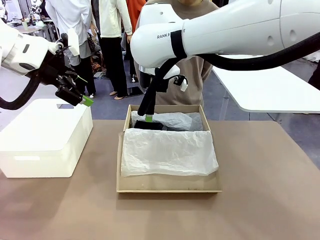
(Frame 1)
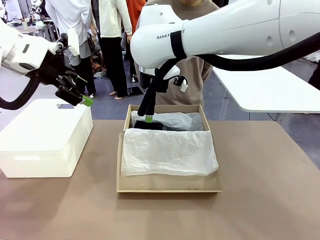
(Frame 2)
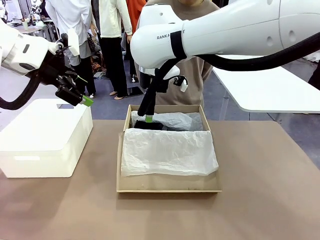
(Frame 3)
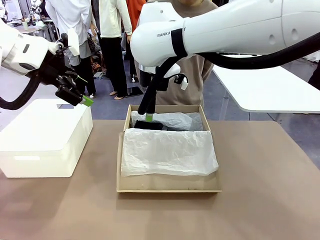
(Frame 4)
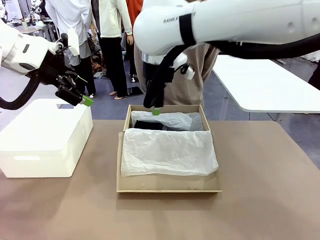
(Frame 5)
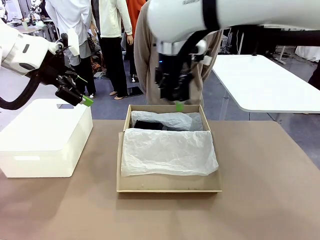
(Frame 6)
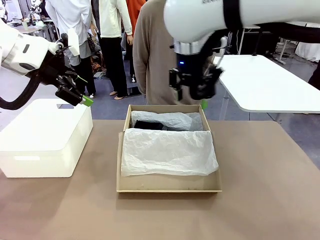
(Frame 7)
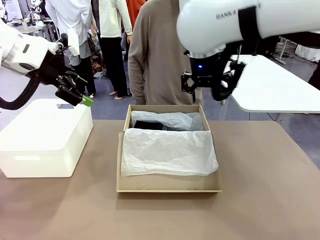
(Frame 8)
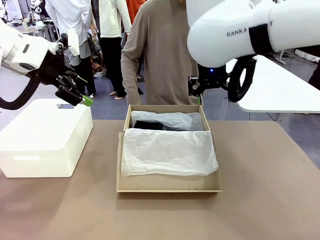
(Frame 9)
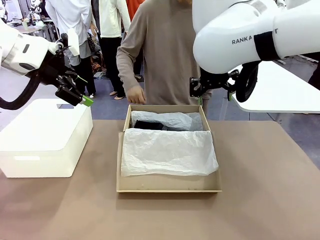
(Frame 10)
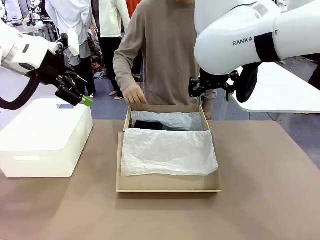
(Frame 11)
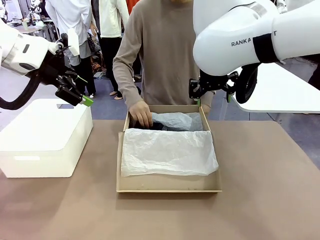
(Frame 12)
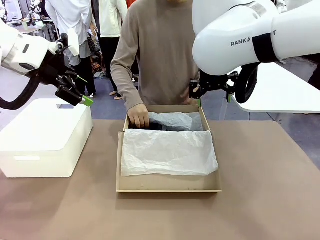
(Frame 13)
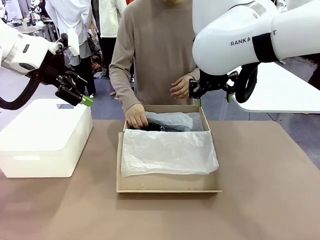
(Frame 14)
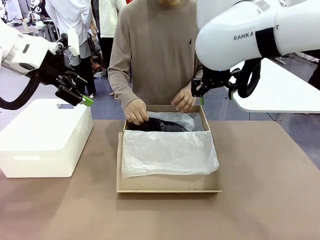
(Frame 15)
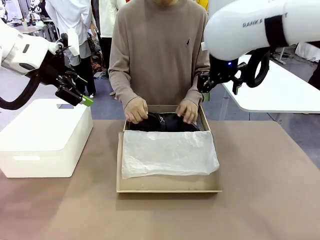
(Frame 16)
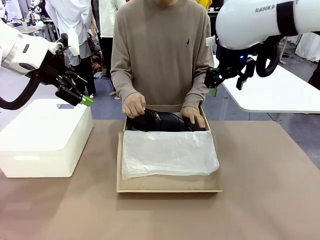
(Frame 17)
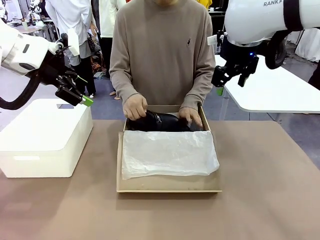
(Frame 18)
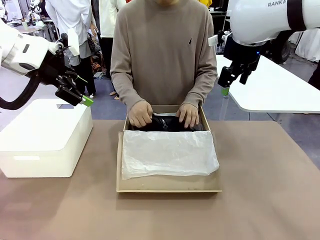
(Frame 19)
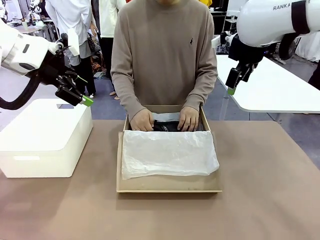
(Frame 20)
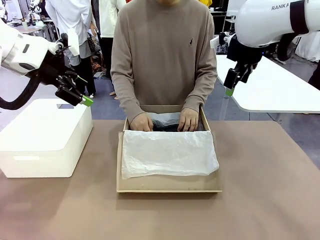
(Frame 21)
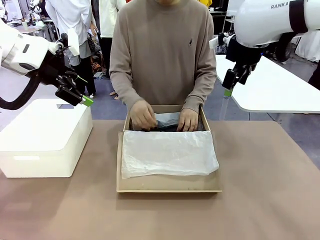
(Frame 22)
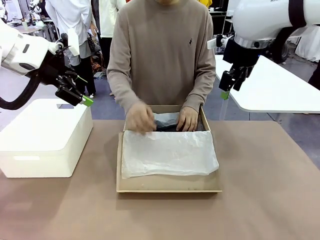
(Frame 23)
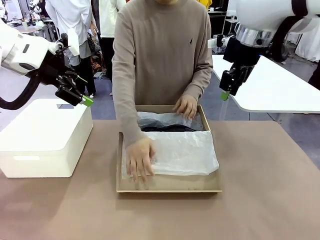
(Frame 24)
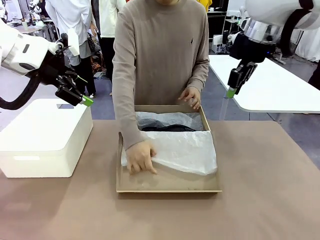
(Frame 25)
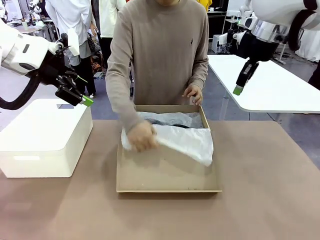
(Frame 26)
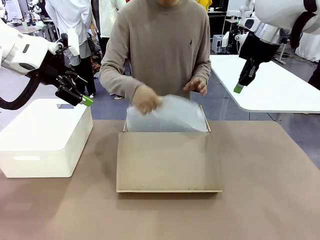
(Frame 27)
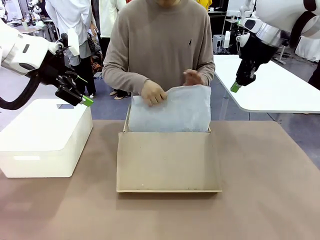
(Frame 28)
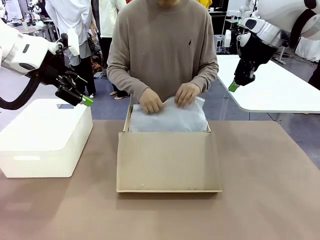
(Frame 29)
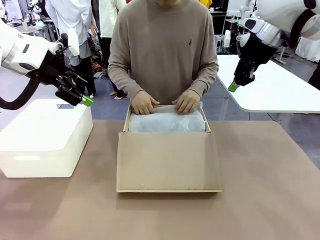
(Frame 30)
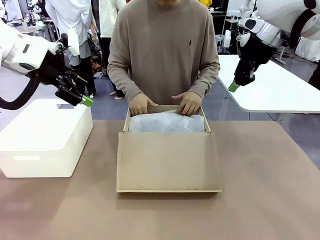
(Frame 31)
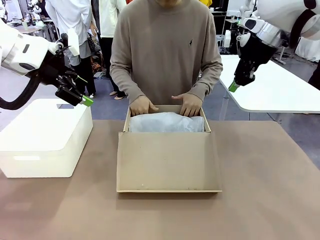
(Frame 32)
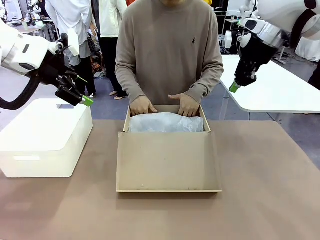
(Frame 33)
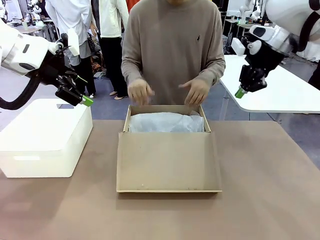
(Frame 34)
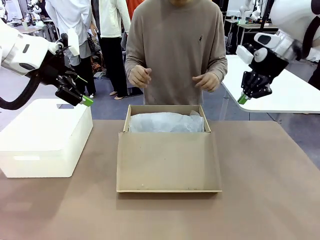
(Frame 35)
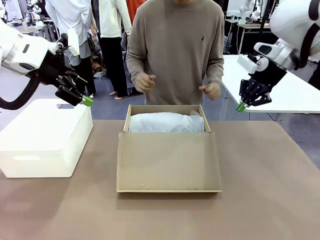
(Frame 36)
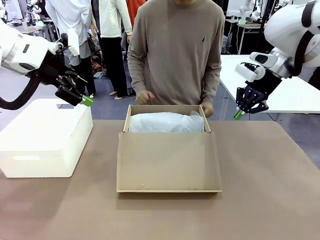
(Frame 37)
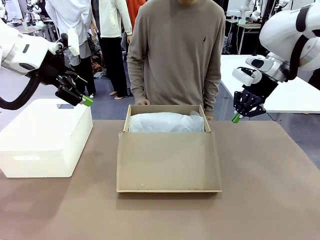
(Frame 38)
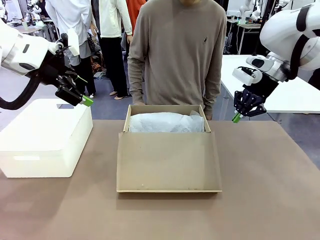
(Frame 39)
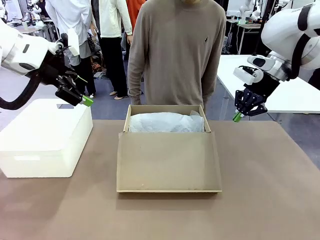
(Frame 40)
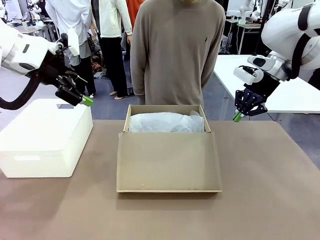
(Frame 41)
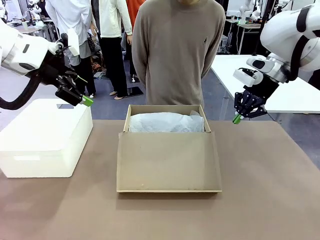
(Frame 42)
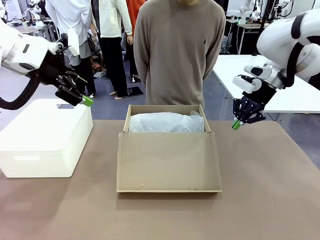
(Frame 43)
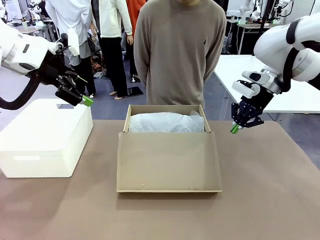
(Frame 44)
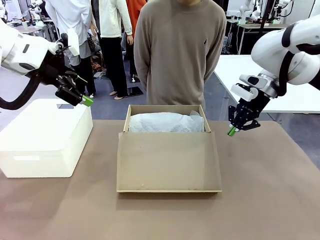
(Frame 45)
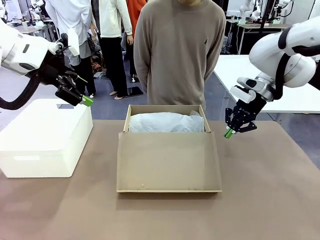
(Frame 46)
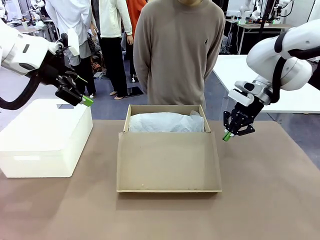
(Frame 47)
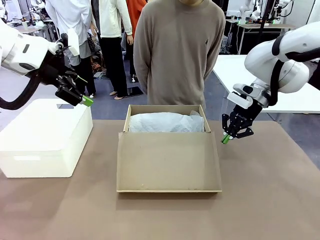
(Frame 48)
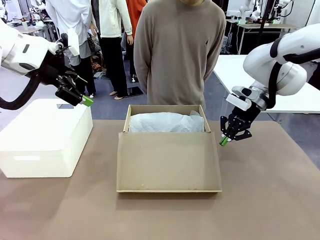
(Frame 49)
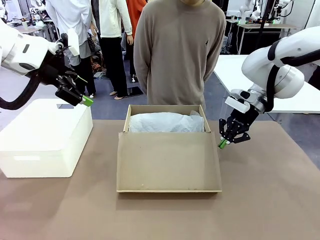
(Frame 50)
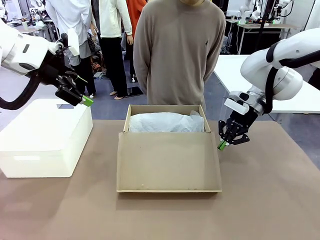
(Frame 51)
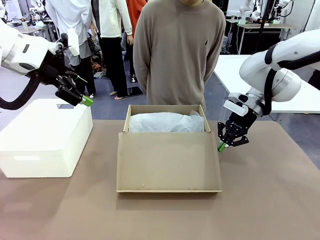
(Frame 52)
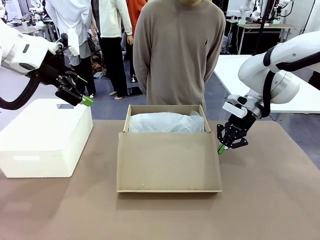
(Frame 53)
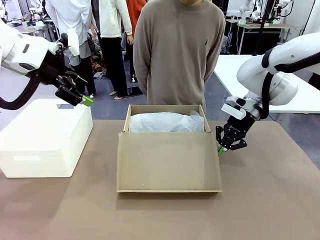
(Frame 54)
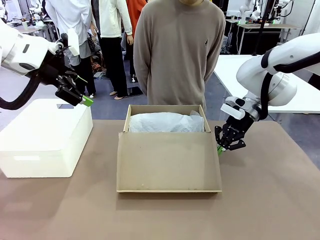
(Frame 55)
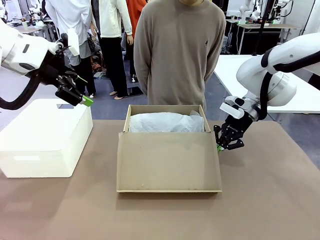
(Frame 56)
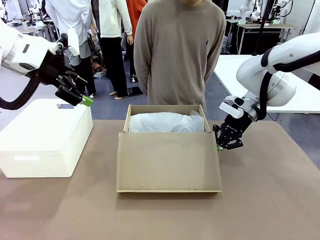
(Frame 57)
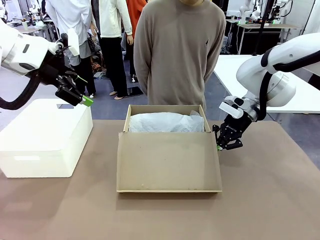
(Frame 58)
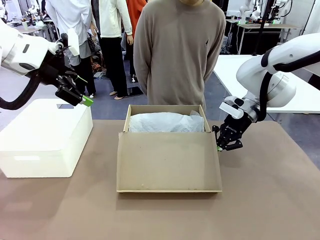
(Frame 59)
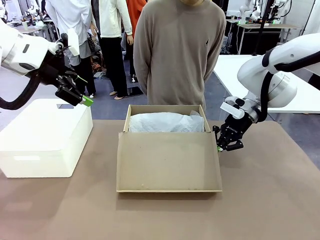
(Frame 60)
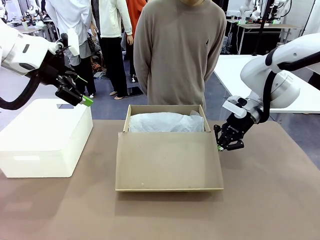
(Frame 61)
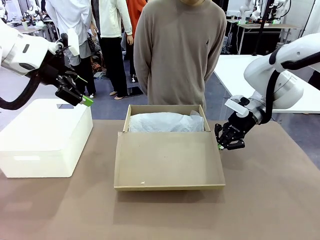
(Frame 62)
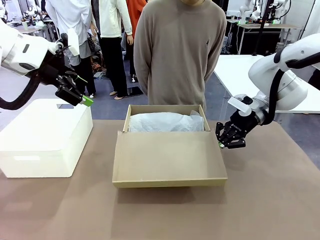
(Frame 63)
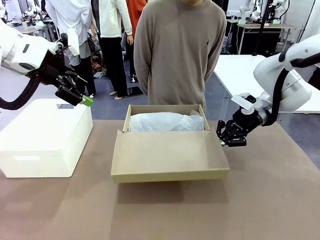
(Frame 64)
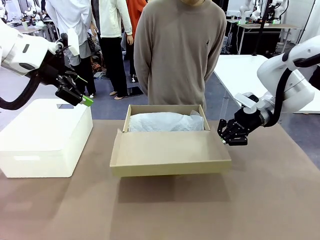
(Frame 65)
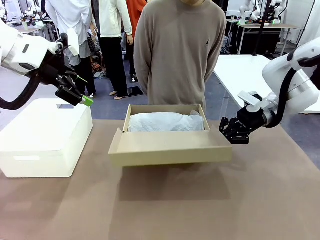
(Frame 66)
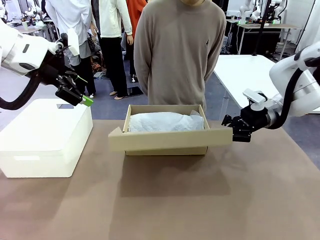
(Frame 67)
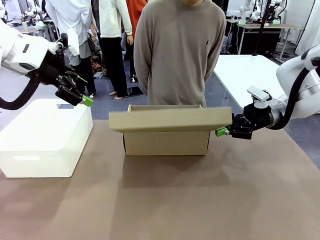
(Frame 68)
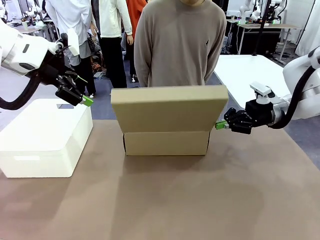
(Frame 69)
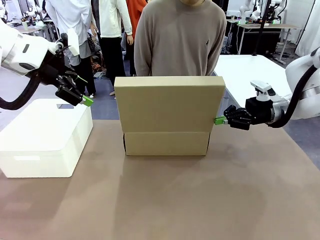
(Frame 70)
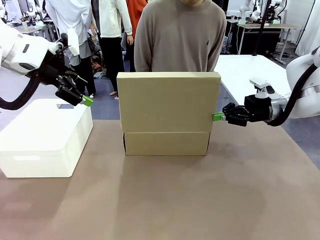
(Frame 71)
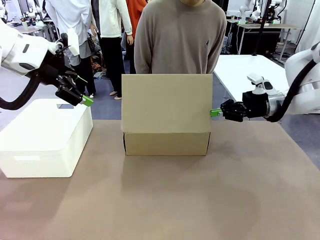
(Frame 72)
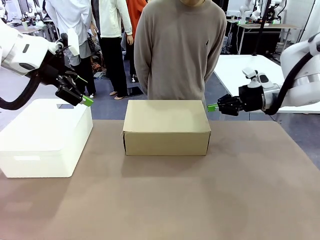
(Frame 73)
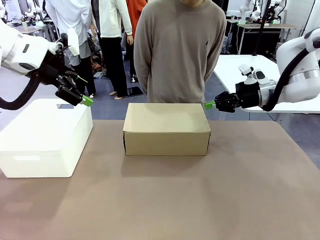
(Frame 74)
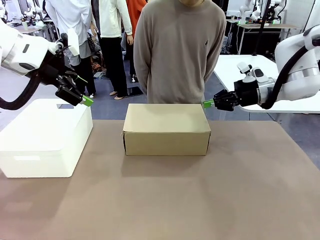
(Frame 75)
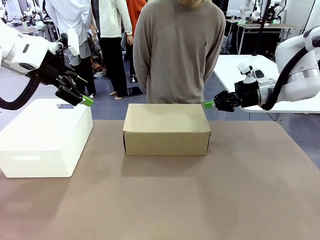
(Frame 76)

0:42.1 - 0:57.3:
Task: Pack the shoes into the box.
Robot: Close the Shoes Box.
